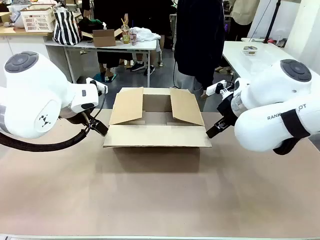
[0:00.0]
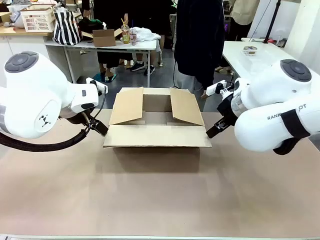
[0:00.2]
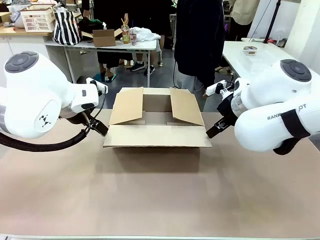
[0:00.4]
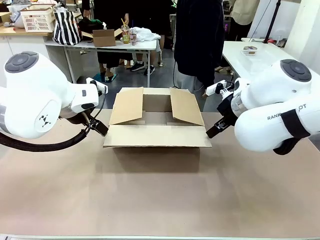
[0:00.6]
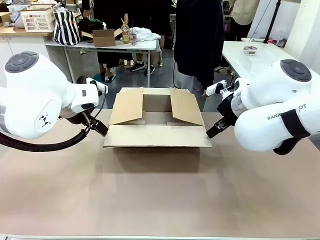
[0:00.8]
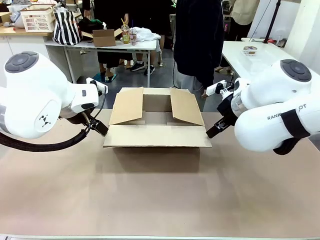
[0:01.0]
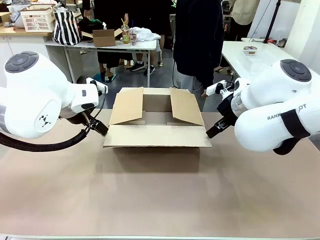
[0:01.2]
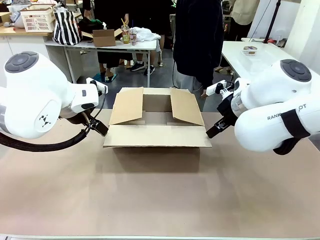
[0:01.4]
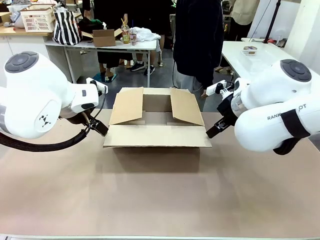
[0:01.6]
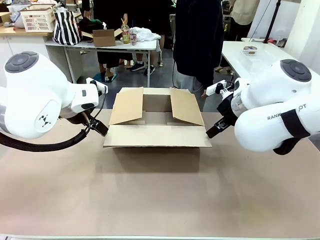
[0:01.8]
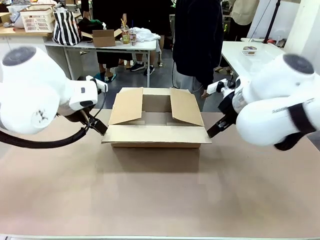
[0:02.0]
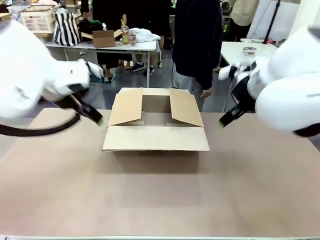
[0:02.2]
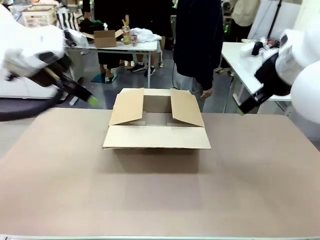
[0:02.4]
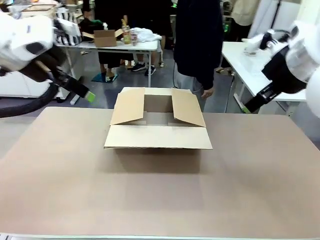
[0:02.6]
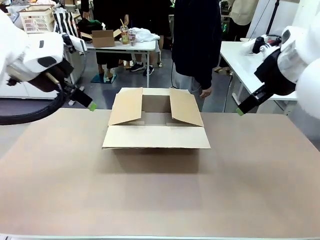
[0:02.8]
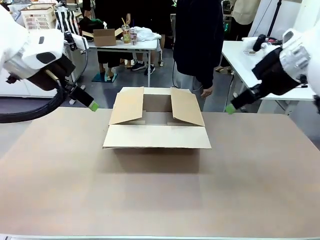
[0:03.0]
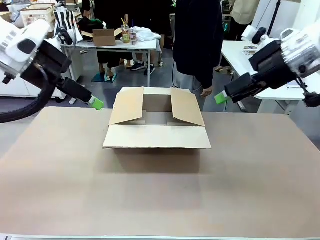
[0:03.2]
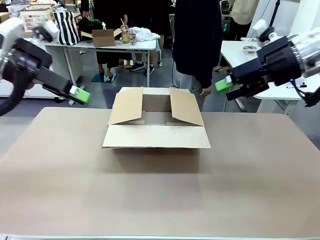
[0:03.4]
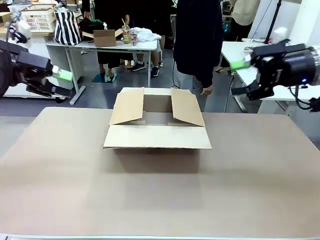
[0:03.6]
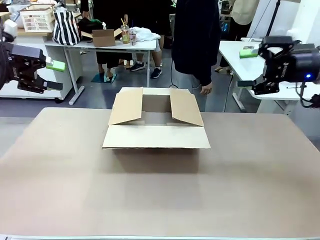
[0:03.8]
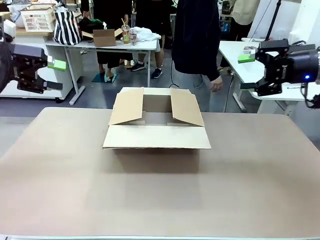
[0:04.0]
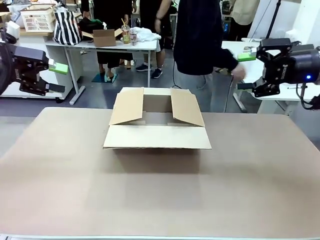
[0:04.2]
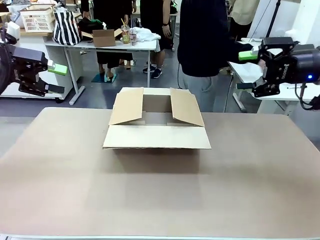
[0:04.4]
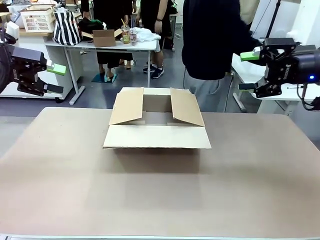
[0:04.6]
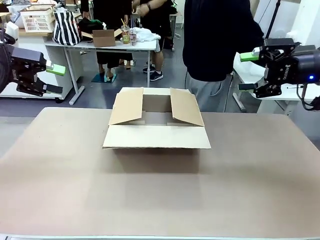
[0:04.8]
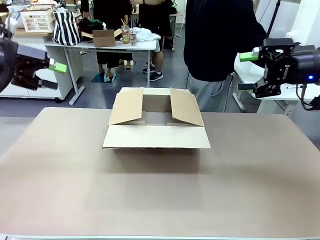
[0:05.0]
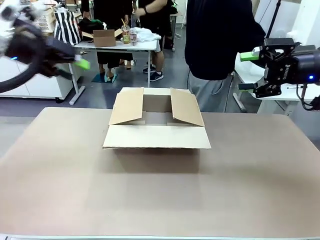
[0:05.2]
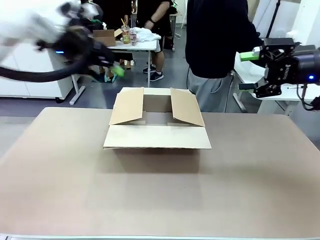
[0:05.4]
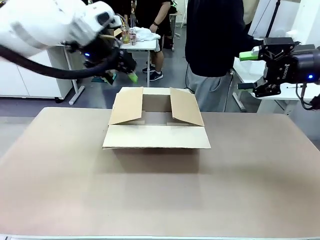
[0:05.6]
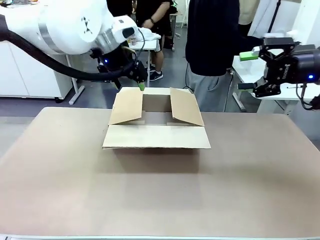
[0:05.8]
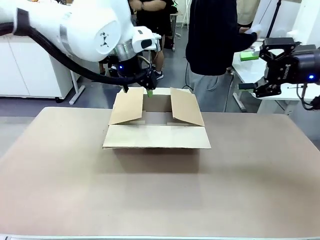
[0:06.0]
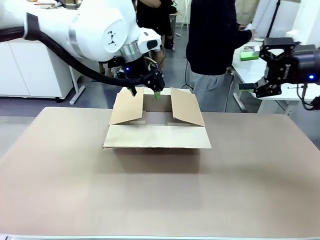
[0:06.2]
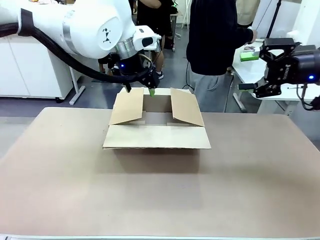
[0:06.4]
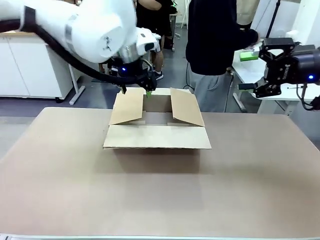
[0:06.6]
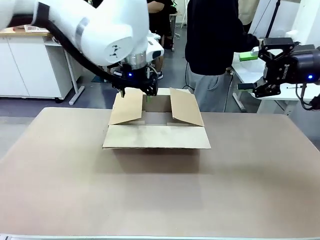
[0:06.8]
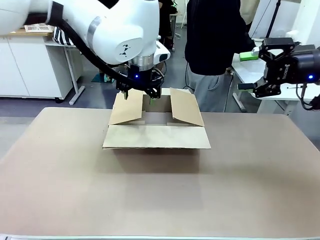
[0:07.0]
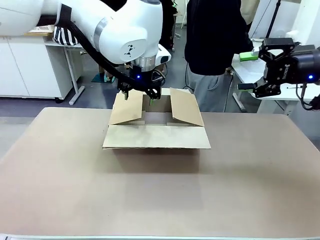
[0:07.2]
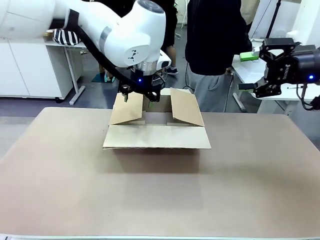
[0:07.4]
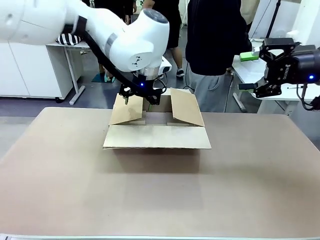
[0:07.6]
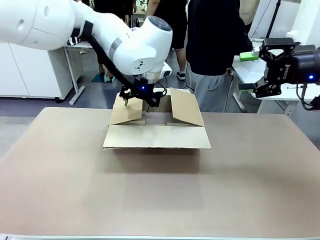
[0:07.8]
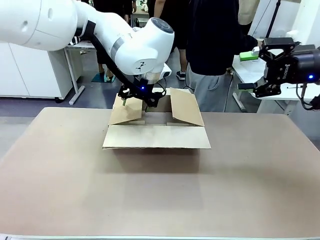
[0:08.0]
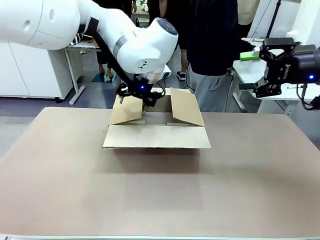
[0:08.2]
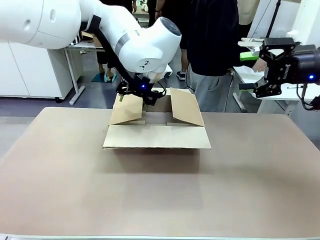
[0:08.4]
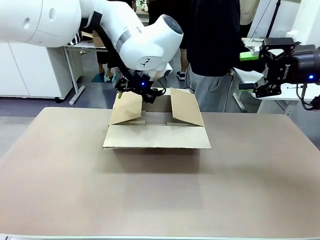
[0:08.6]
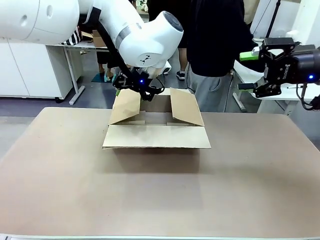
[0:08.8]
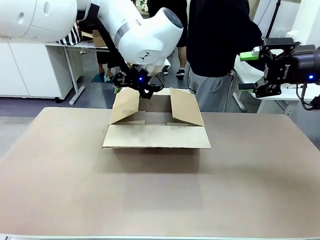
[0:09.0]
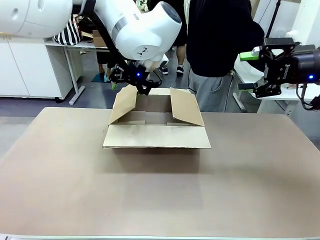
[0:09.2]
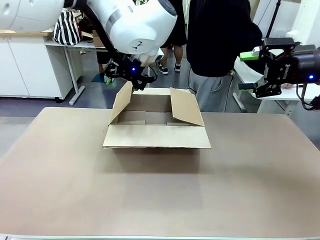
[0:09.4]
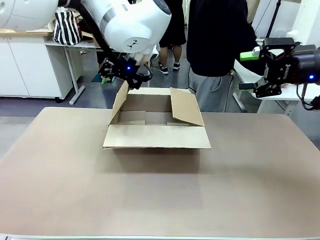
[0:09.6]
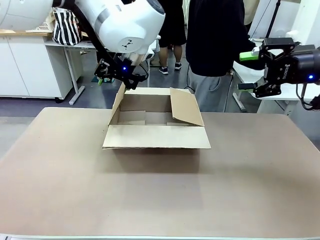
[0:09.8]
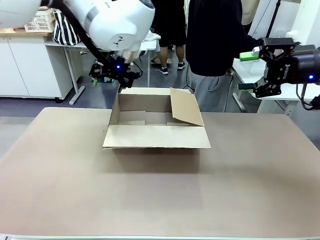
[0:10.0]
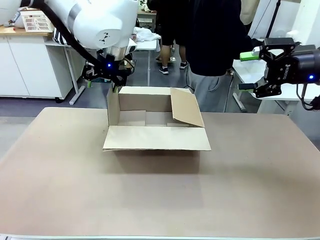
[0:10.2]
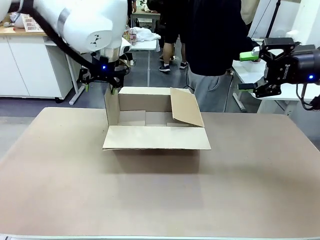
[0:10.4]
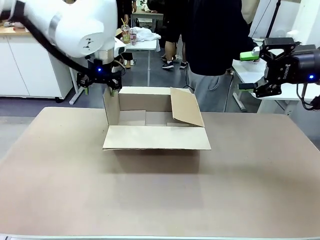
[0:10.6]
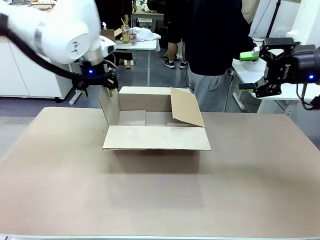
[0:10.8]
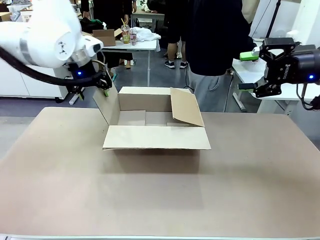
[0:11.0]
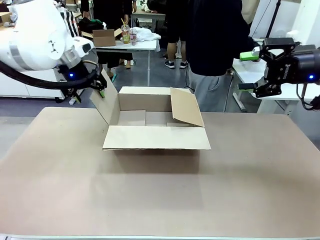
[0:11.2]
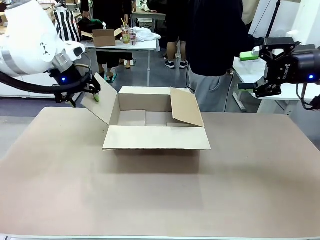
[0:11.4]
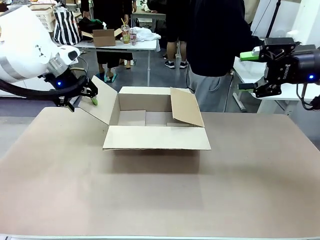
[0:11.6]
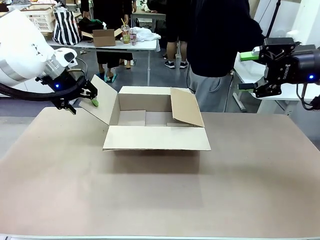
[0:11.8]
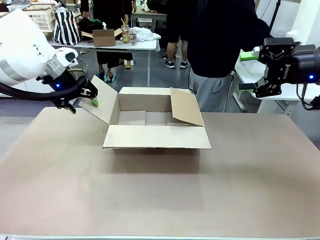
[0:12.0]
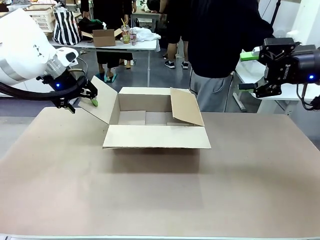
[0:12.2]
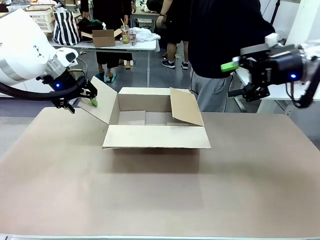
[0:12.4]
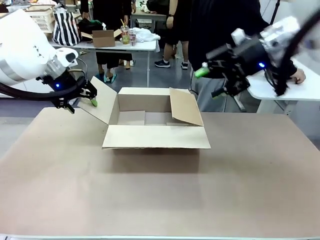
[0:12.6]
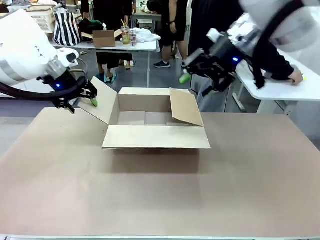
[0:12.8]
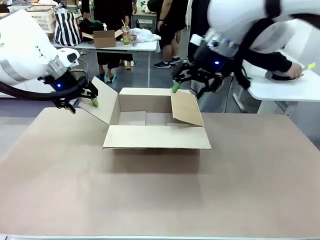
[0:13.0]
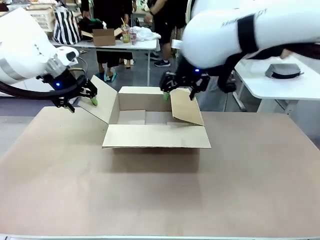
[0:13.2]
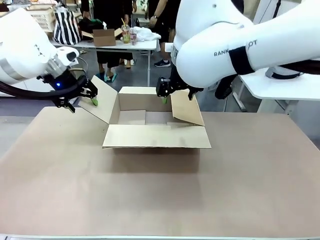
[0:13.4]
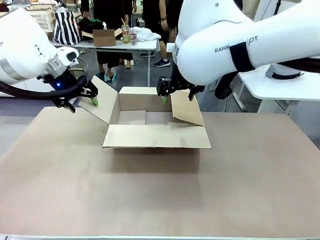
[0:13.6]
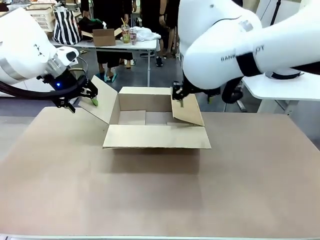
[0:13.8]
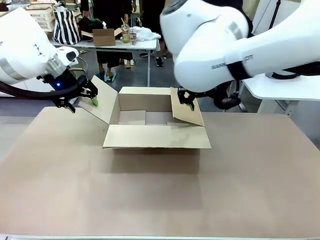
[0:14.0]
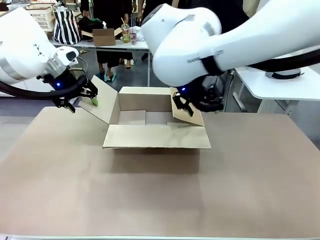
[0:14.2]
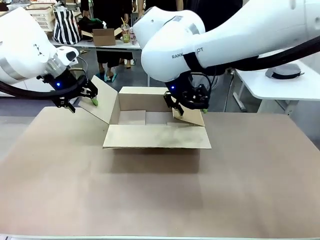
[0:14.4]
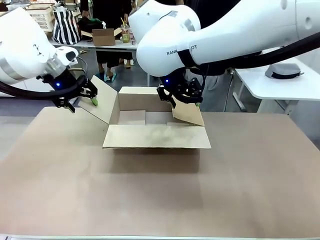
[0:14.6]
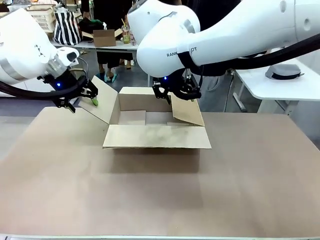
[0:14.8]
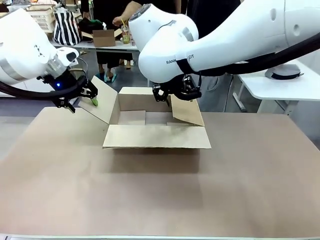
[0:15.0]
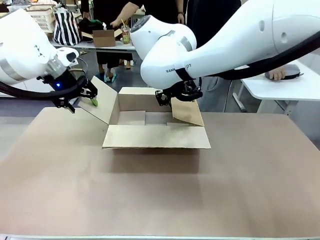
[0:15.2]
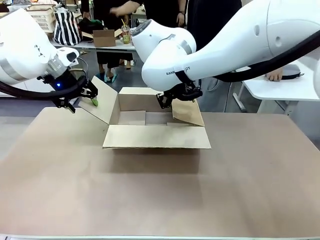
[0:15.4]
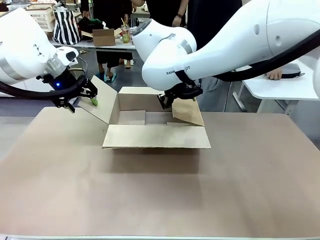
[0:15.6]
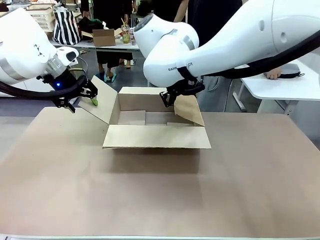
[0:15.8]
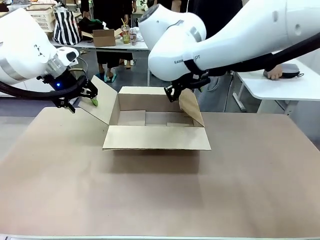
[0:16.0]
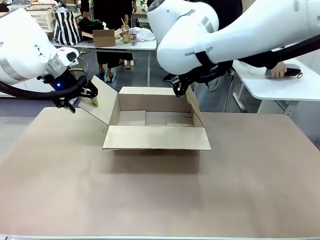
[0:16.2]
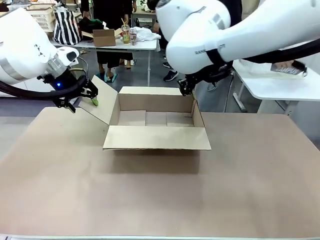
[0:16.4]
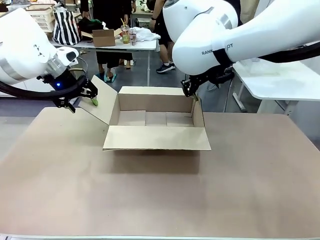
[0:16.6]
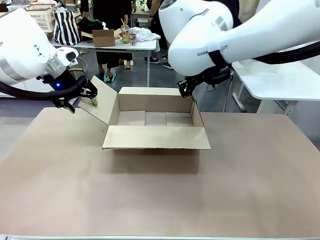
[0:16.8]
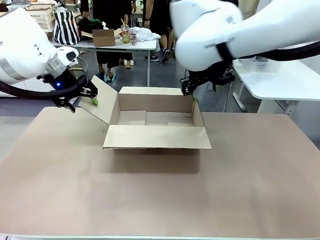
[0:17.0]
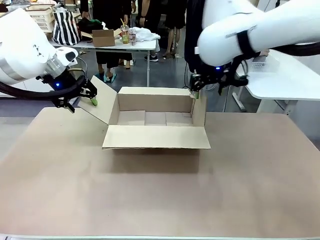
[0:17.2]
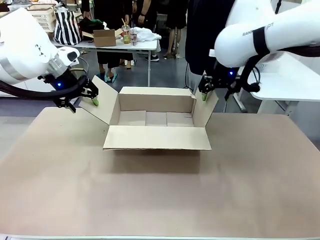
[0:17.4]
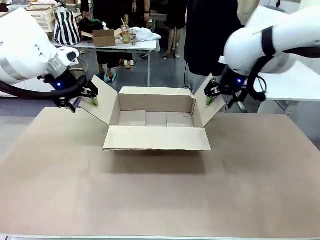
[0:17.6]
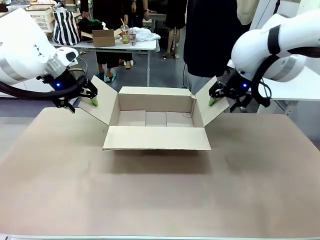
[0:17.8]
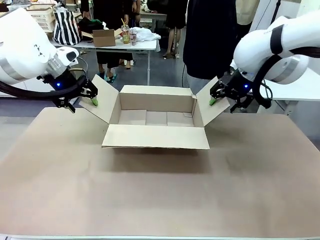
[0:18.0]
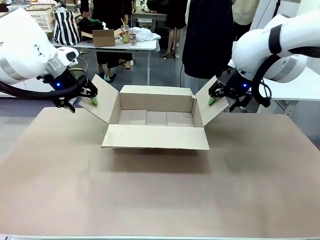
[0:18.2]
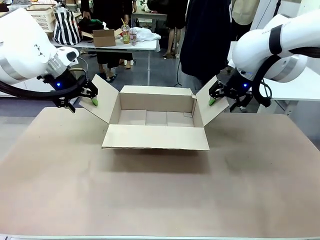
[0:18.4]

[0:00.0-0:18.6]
Task: Pack the gift set into the box.
Robot: Place both hands on the side flaps of the Package Box and spread them outward.
Person: The human places all items except the paper tape into the organizing basket.
